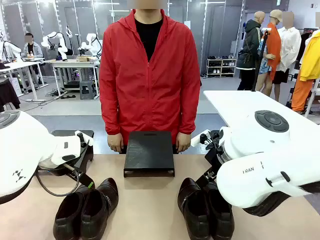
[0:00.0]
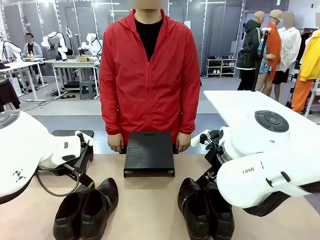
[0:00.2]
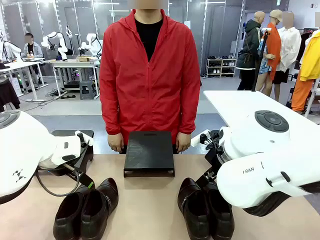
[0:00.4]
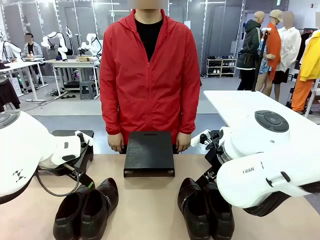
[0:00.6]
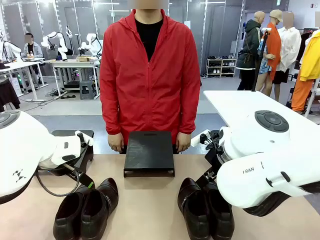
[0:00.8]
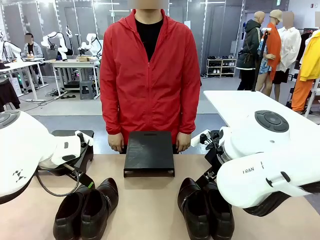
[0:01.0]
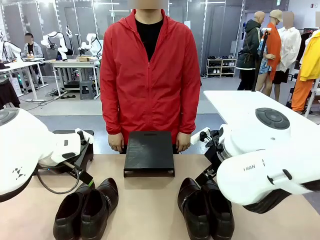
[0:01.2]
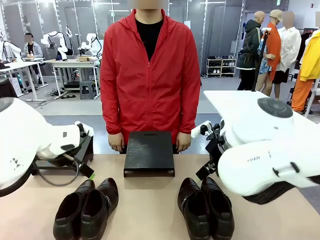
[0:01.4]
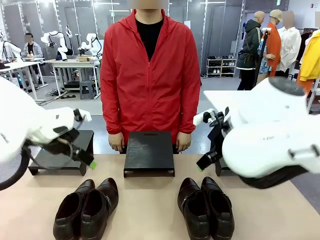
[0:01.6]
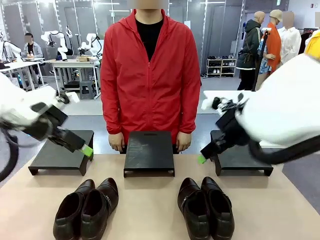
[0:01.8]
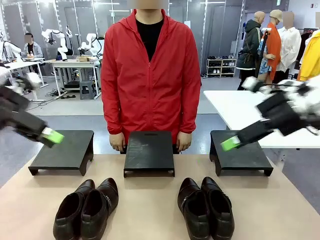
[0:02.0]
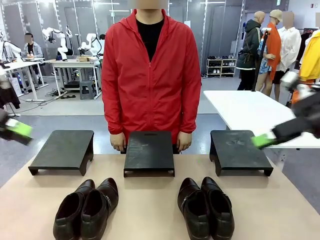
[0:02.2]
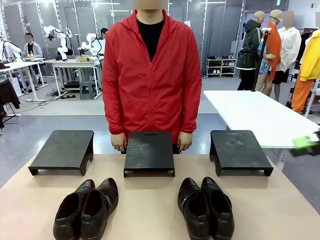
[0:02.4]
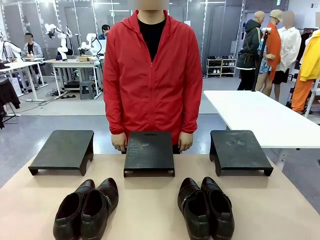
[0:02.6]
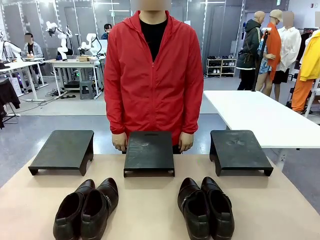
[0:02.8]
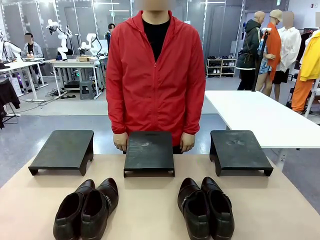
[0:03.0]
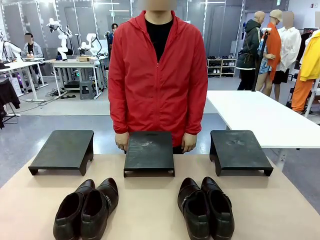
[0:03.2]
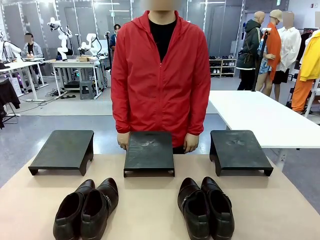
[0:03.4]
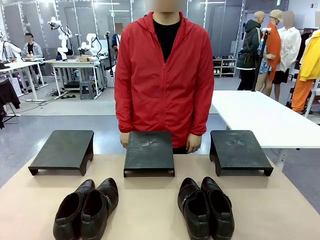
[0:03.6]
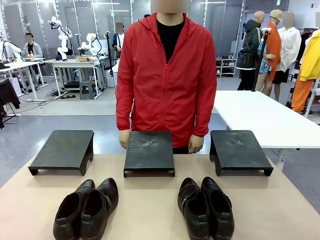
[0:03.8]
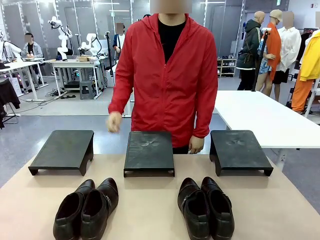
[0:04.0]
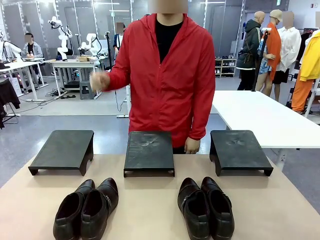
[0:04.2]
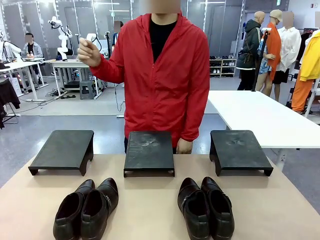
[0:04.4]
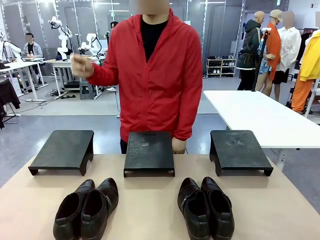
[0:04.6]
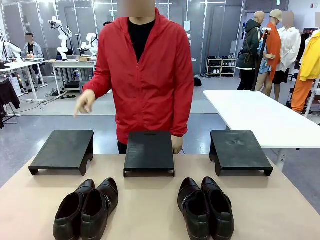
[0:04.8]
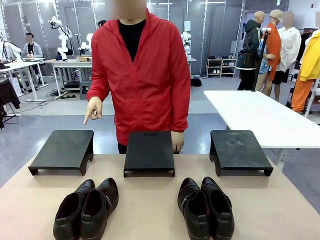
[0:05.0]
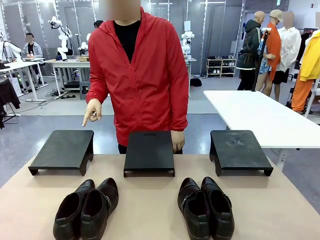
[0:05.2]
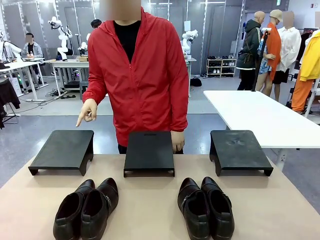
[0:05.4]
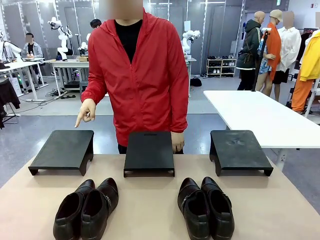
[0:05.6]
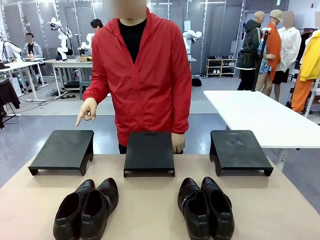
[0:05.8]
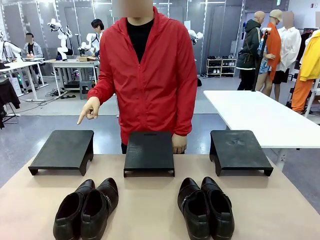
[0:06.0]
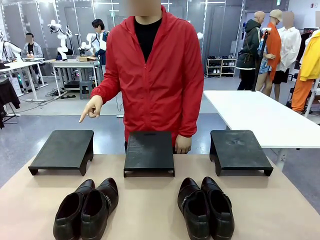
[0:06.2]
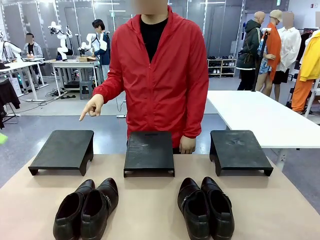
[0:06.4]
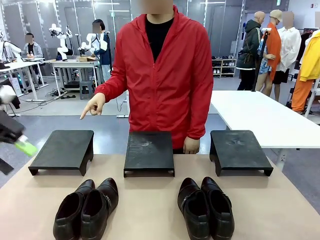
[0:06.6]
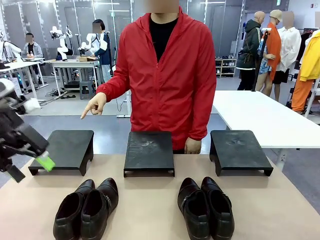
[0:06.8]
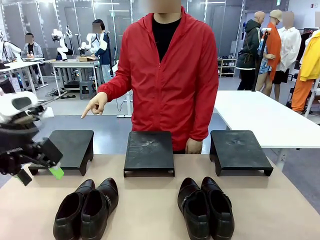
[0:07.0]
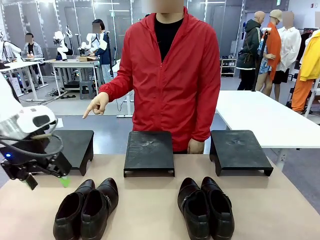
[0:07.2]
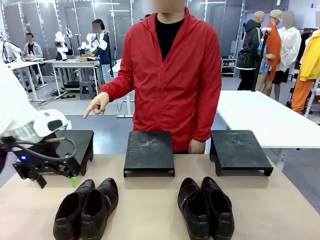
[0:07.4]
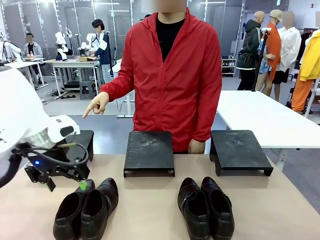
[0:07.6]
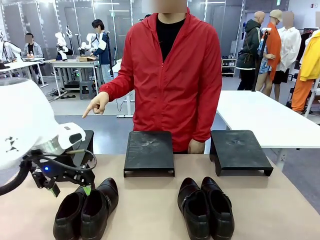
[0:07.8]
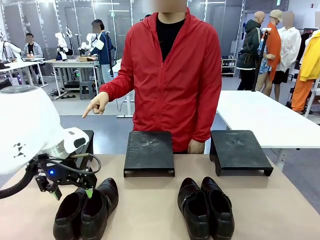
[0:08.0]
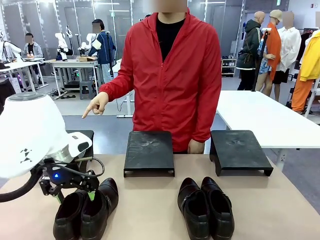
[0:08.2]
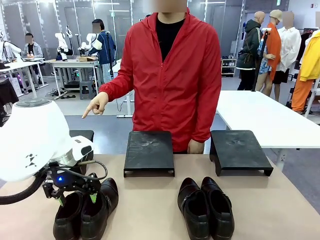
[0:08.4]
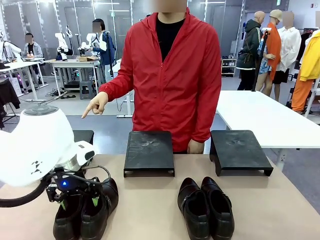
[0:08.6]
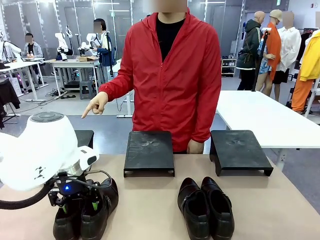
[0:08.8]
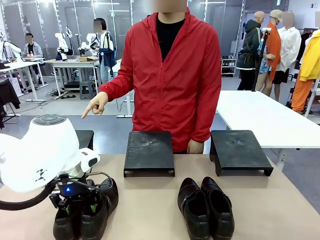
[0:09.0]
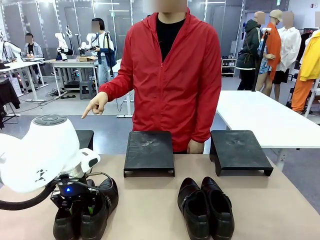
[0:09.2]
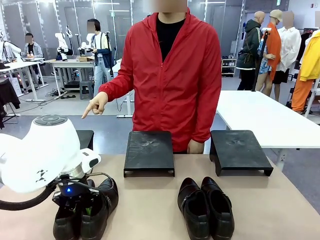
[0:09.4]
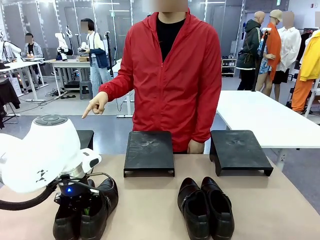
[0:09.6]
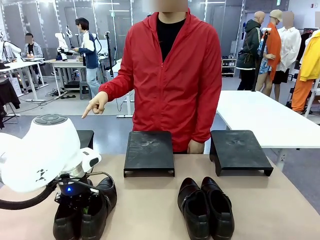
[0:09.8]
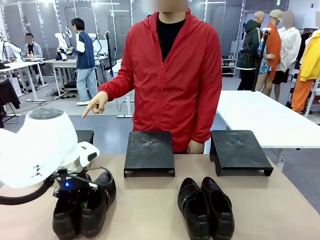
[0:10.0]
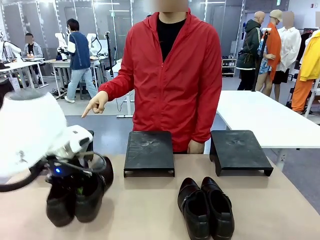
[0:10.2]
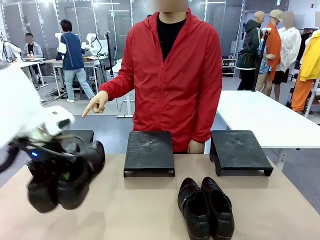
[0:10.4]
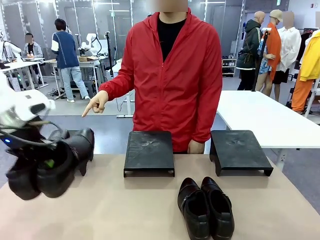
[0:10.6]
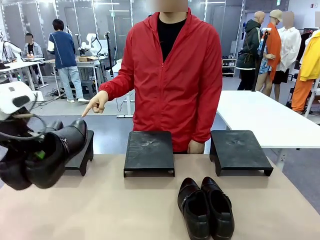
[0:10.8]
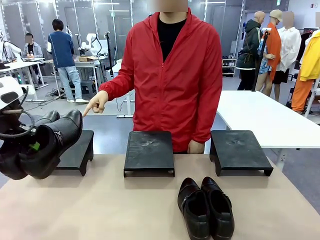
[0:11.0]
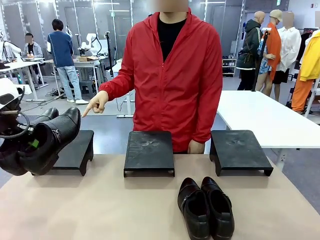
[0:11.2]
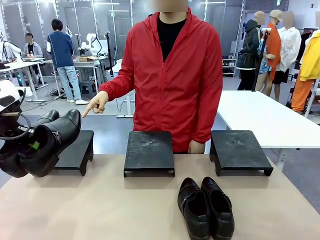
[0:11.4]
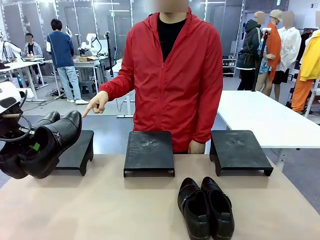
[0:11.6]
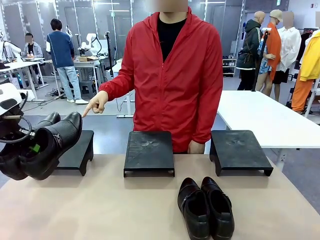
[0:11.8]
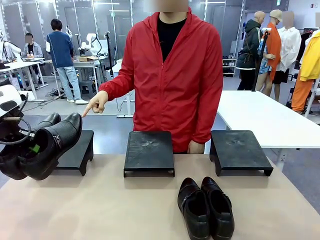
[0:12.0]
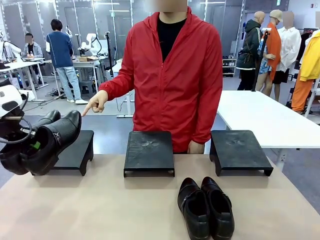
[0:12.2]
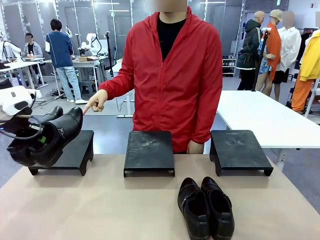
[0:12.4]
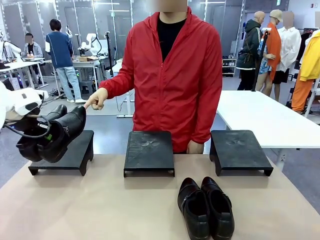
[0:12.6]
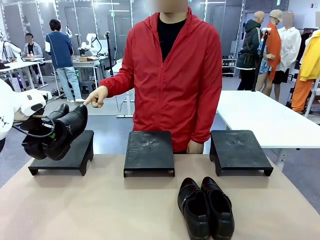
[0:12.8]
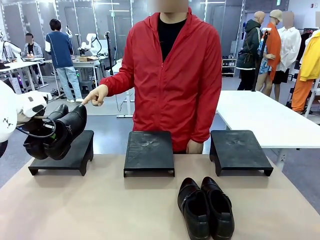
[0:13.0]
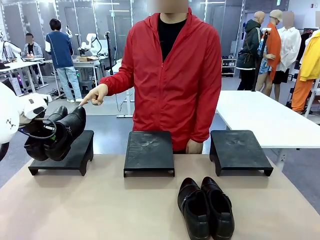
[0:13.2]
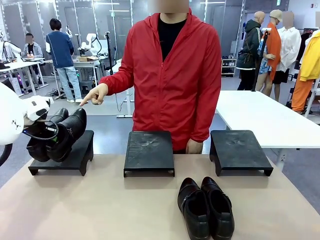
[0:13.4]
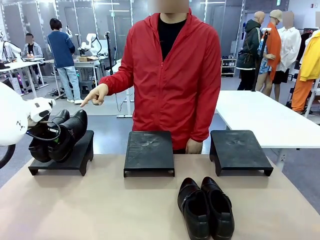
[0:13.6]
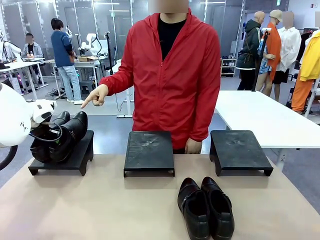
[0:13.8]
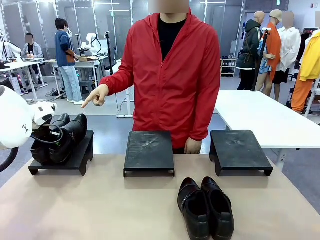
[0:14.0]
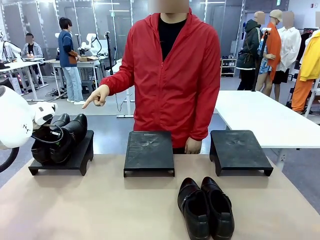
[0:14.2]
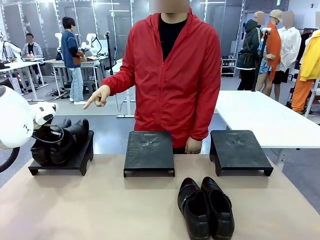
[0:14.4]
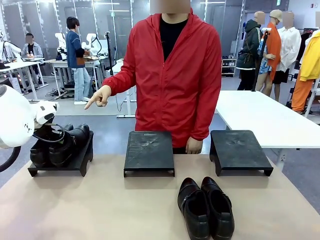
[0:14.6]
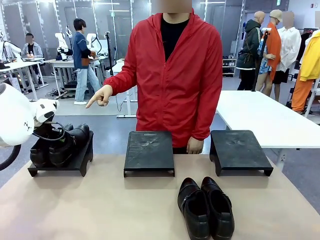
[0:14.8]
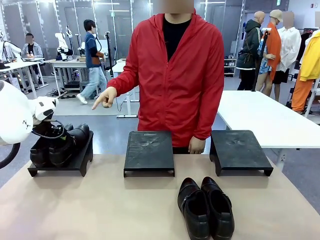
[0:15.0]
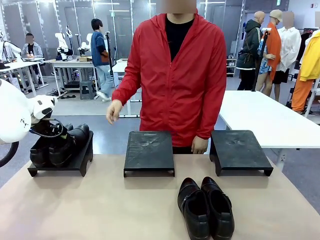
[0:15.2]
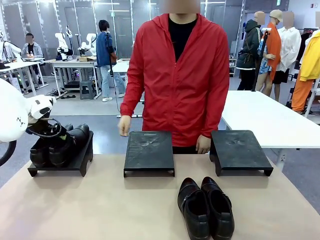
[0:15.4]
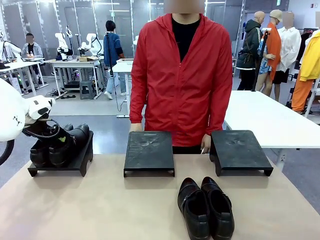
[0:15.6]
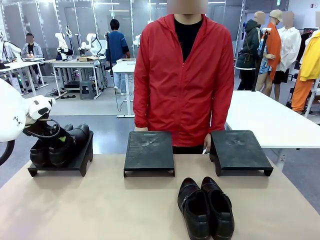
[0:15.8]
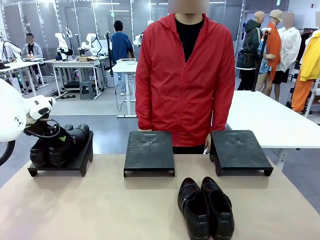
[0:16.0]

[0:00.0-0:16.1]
Task: Place the shoes on the stand as instructed by the person.
Robot: Pick up one pair of Shoes and place it on the Shoes Stand indicated by the person.
